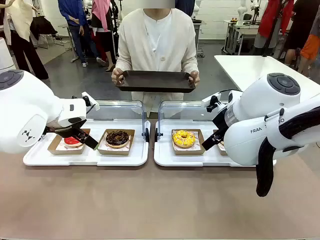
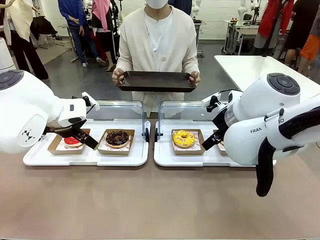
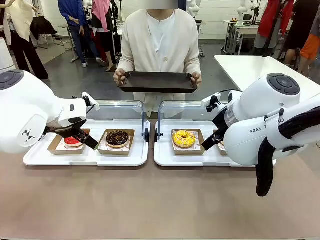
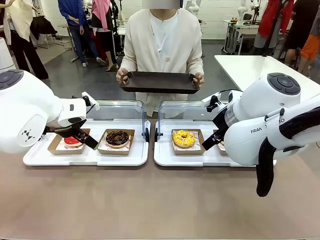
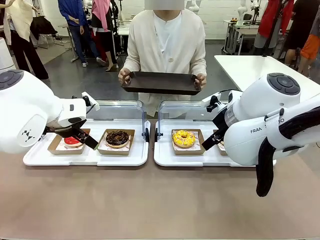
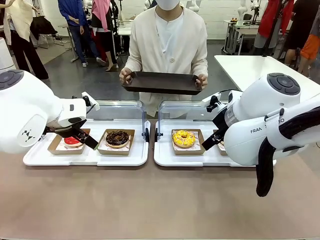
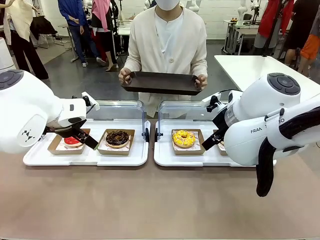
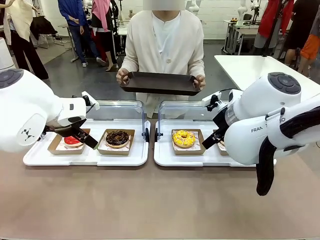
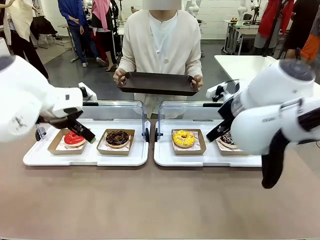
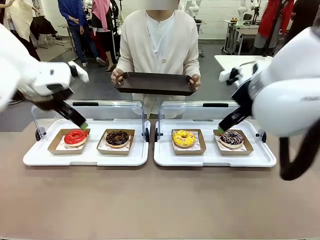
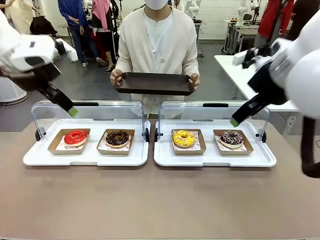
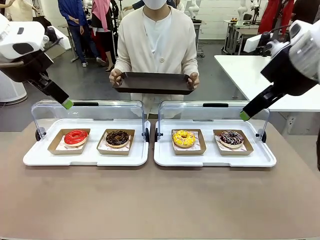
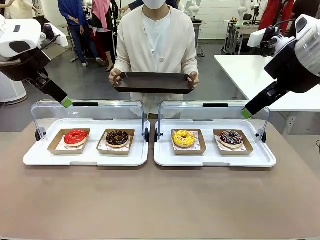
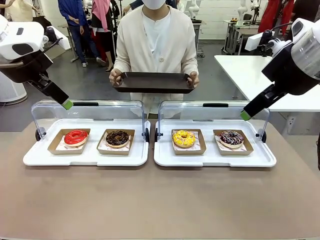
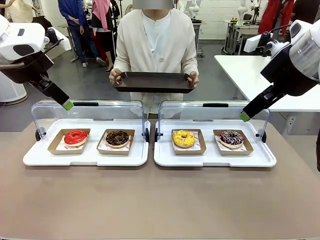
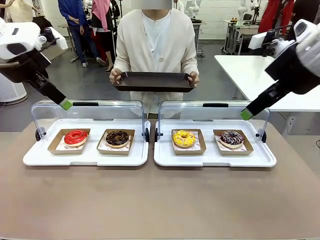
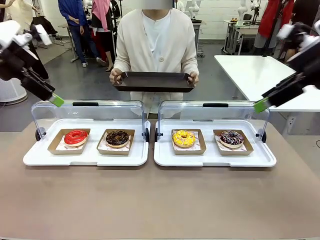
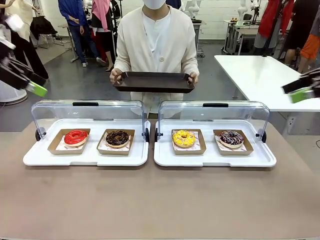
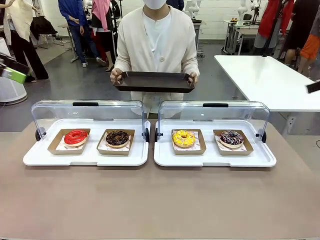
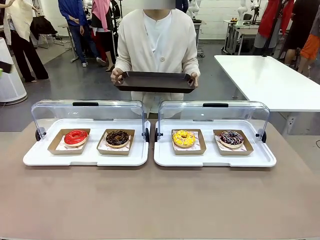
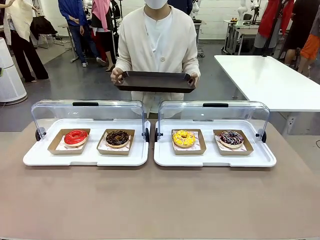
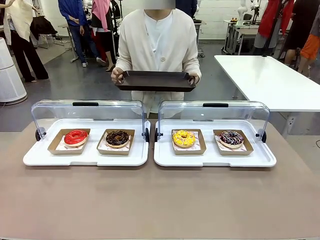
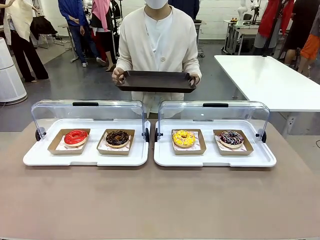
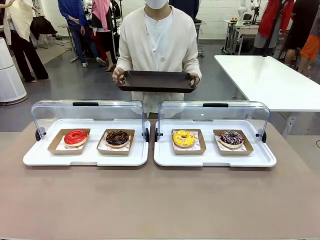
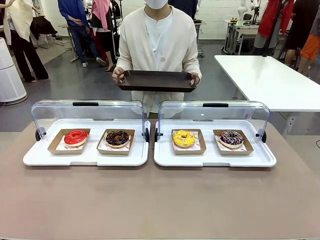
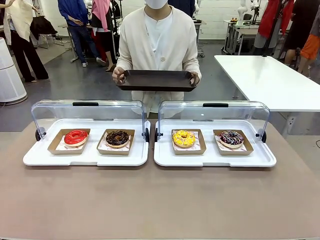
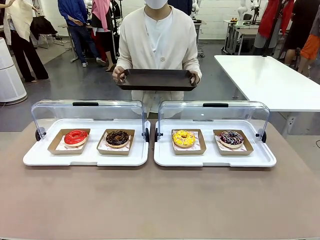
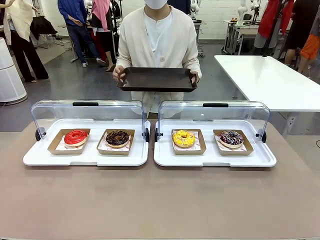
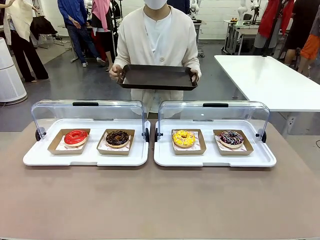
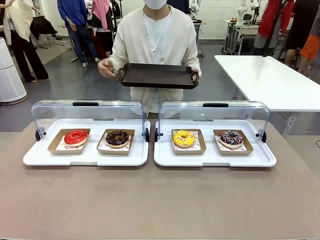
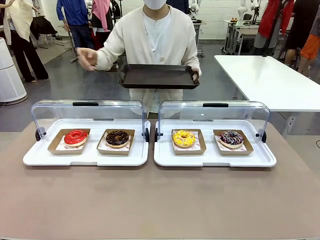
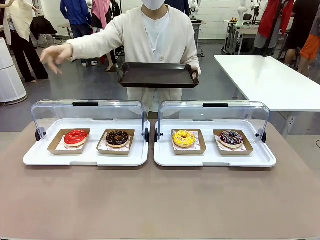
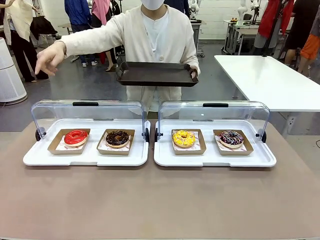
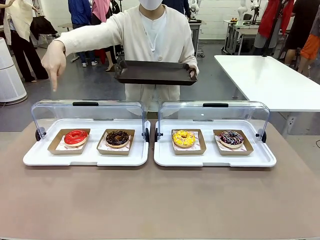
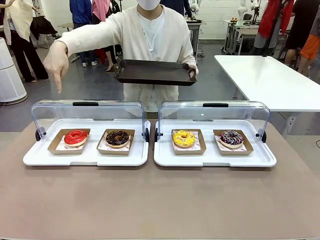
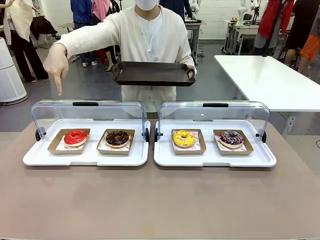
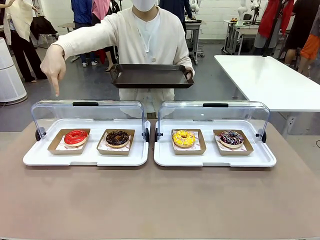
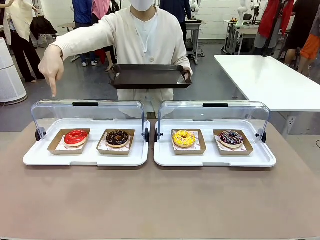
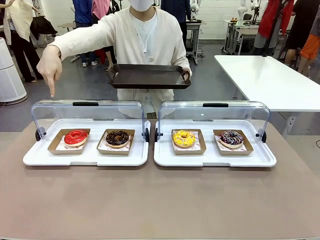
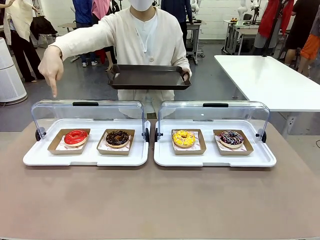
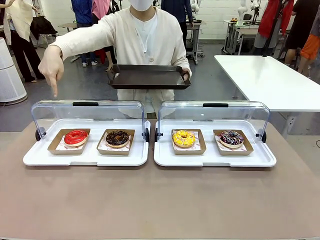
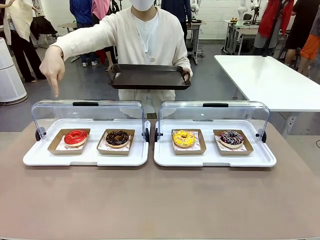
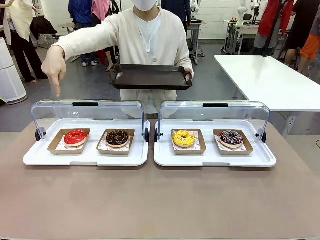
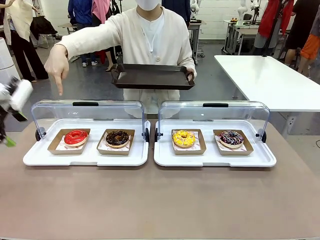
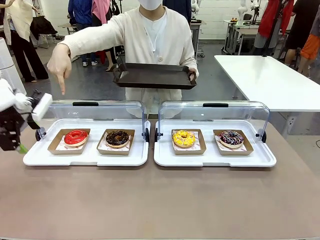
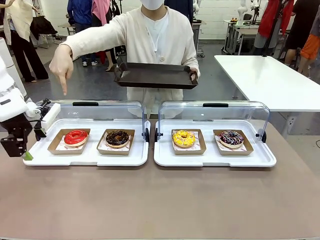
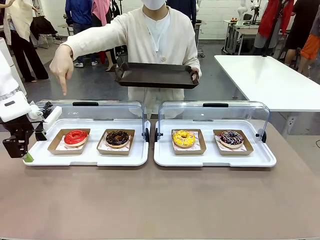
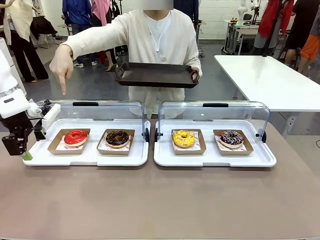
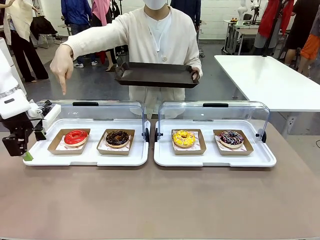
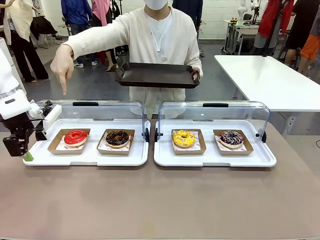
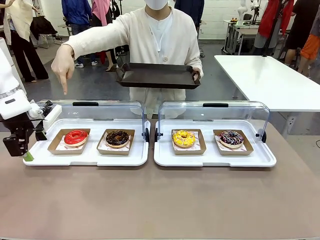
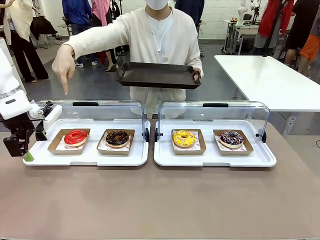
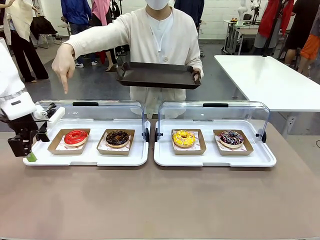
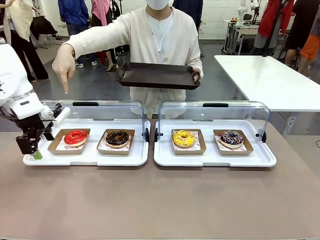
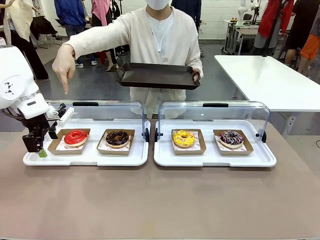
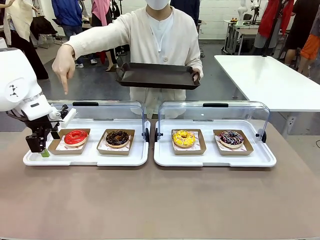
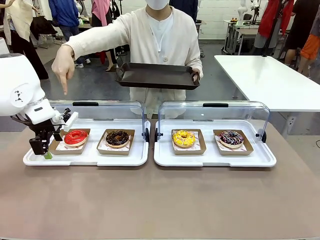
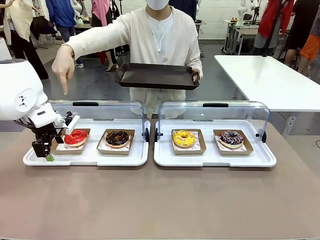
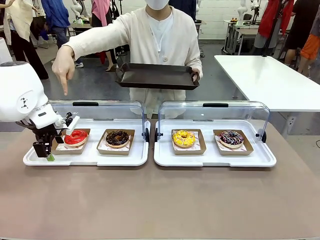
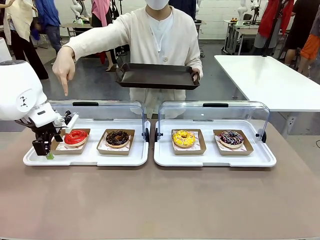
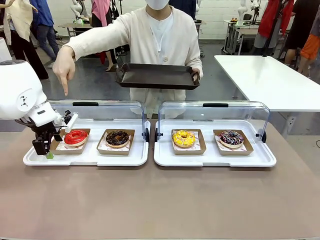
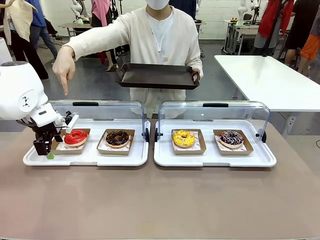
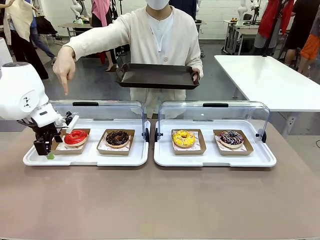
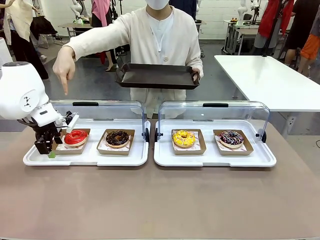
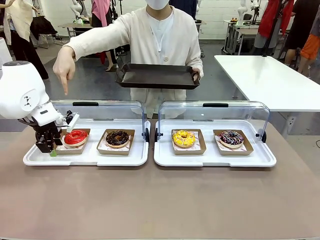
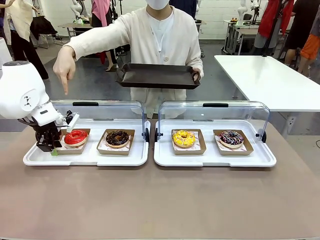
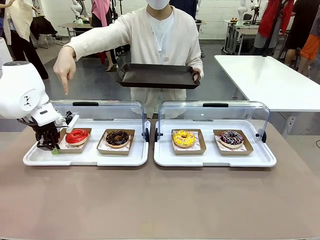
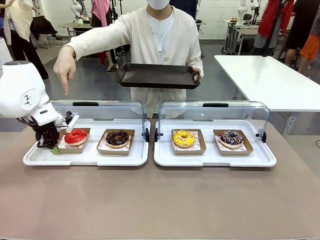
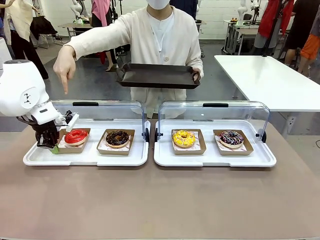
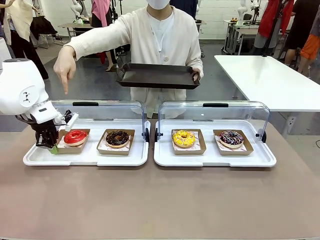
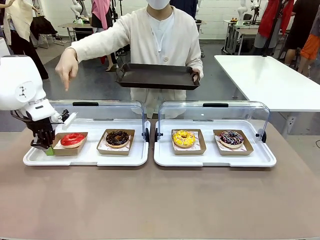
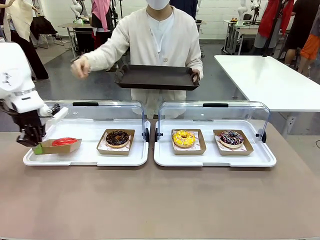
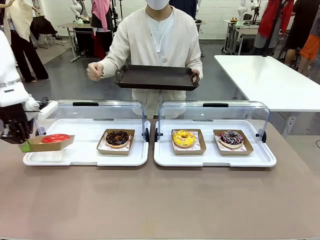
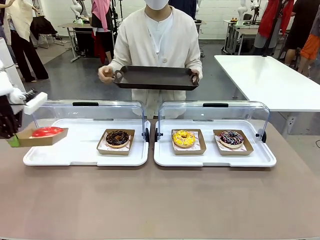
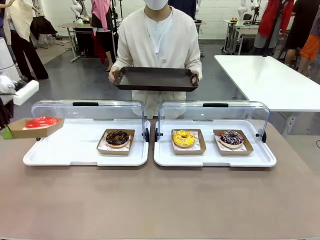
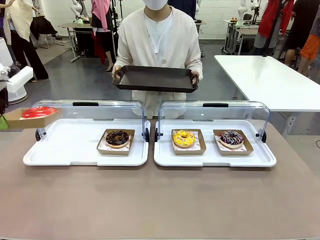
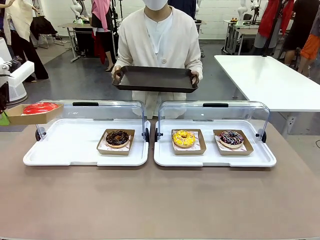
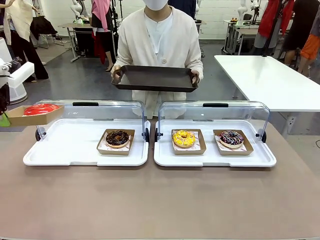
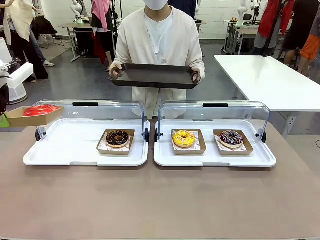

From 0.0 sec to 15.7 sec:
Task: Provide the desired donut to the person.
Robot: Pick up and lift the Paper togo box containing the Donut pointed at by the person.
Person: Point to one donut. Lift the tray onto the Roll-Top Bakery Case.

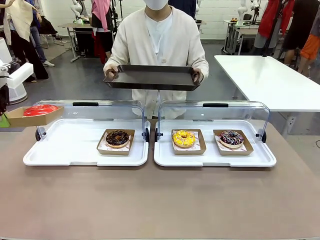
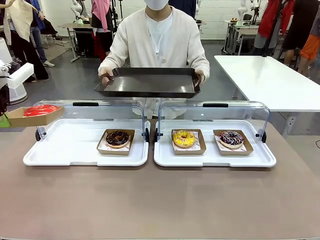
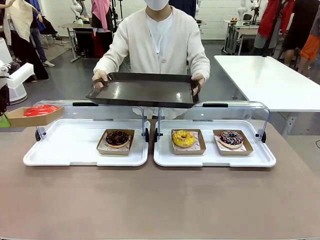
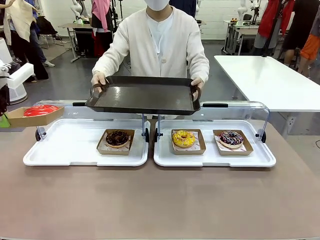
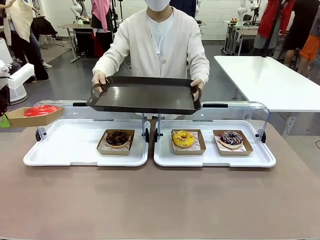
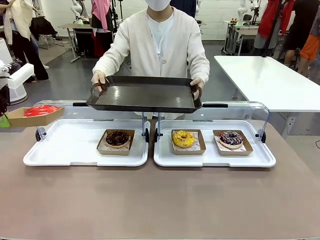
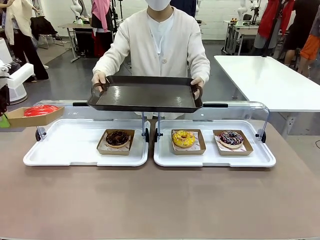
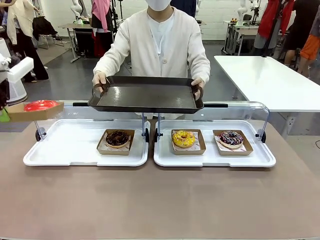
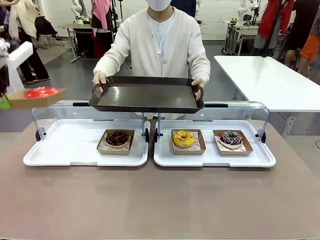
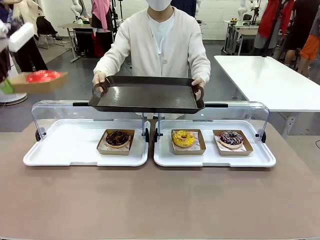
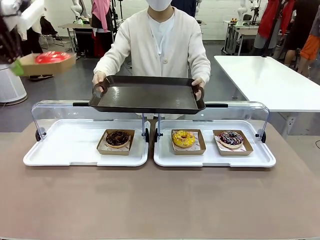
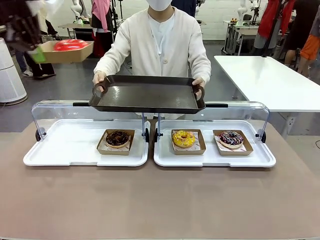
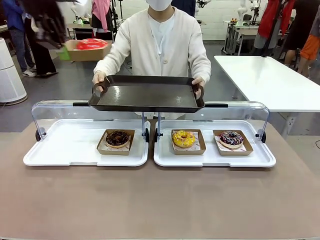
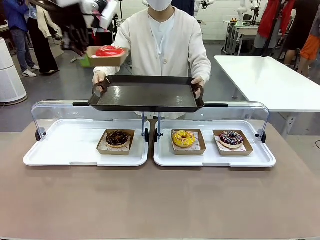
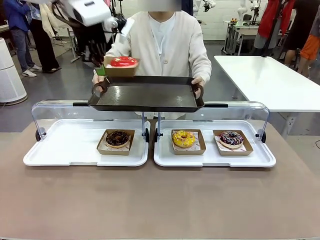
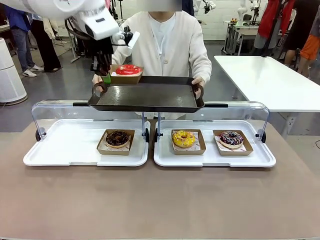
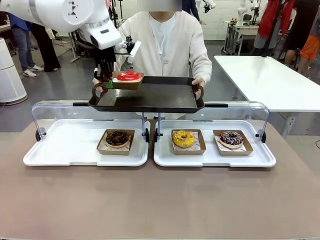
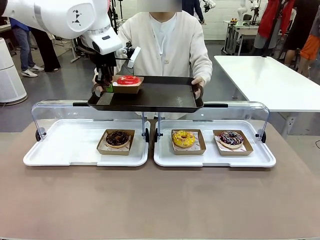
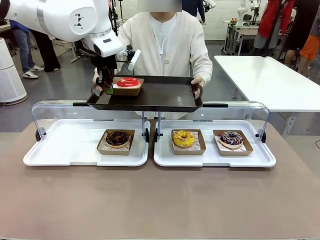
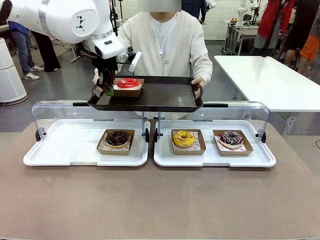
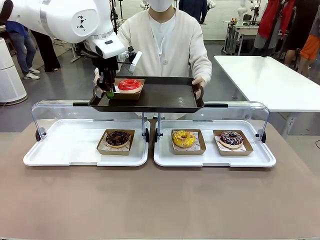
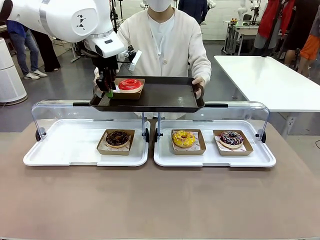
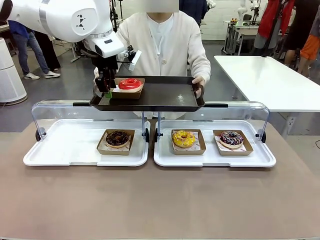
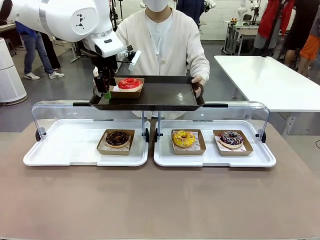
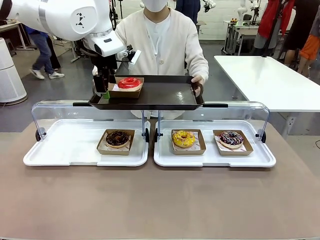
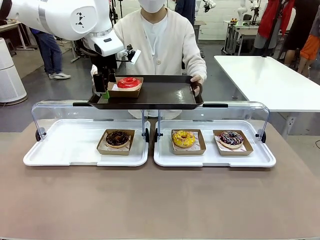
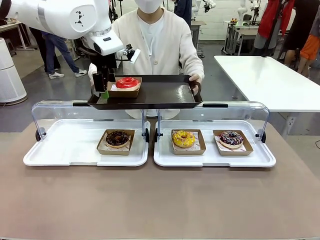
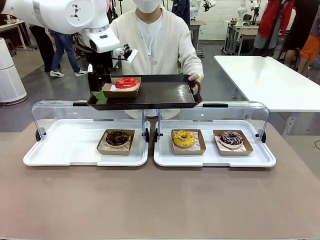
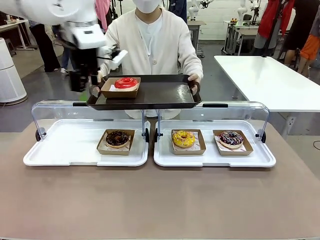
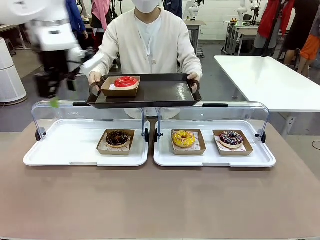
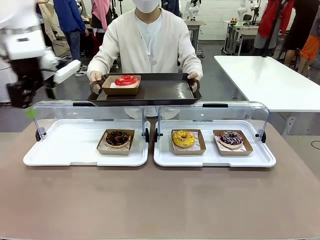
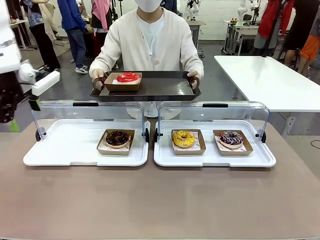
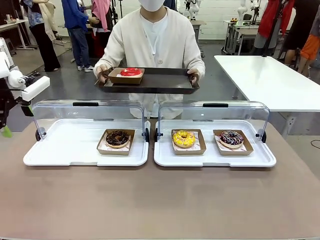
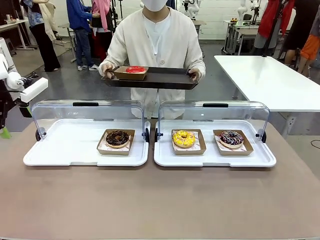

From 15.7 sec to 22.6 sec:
Robot: Place the picked Paper togo box onto the Handle tray extended by the person.
